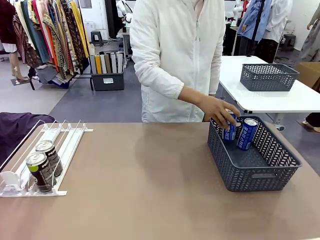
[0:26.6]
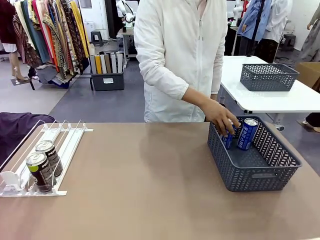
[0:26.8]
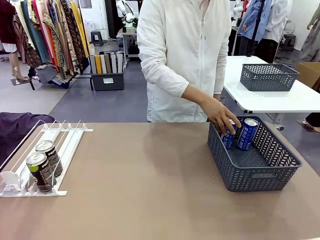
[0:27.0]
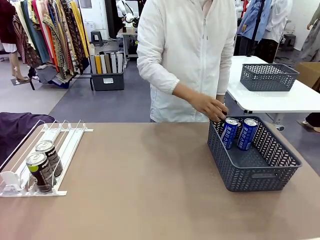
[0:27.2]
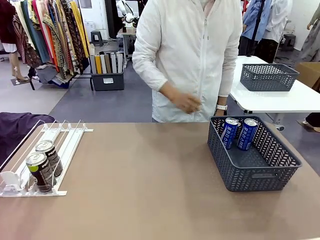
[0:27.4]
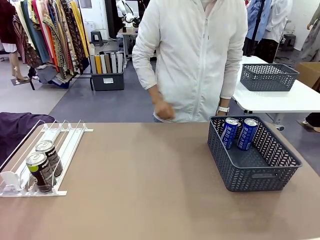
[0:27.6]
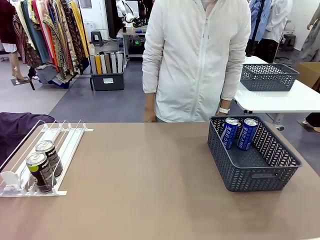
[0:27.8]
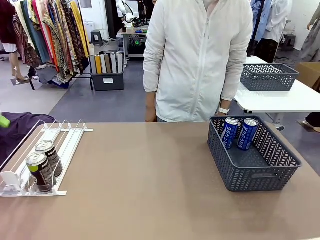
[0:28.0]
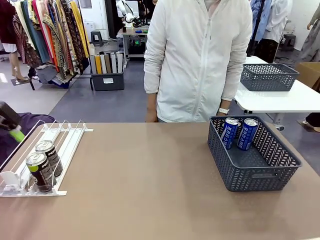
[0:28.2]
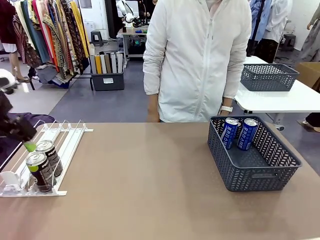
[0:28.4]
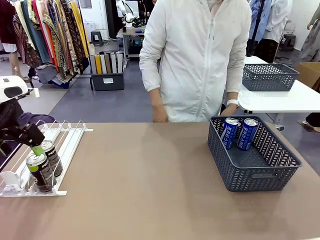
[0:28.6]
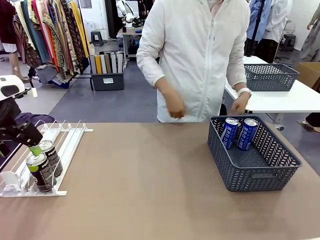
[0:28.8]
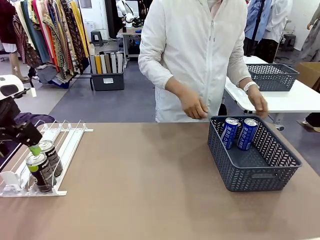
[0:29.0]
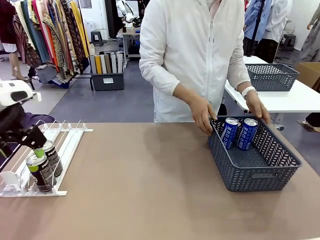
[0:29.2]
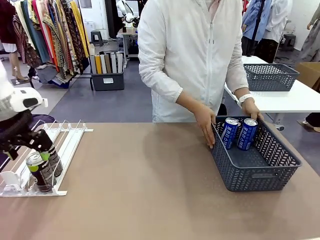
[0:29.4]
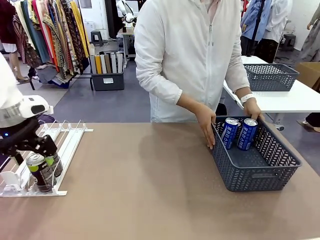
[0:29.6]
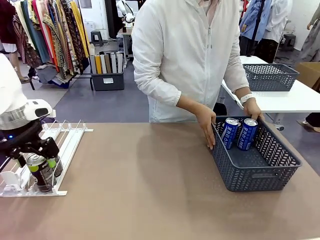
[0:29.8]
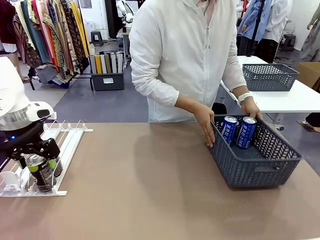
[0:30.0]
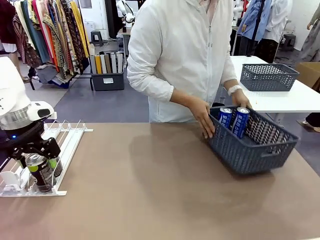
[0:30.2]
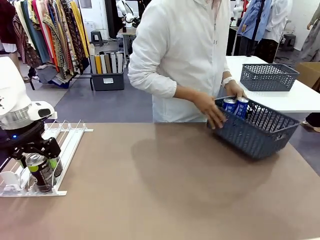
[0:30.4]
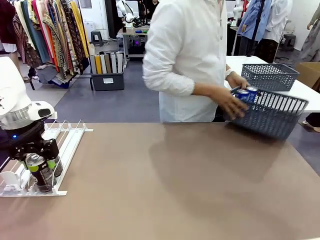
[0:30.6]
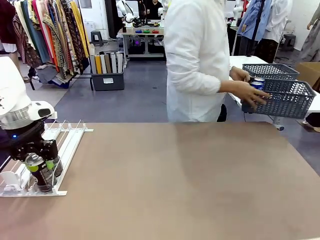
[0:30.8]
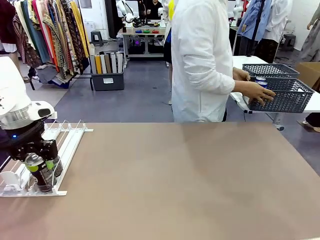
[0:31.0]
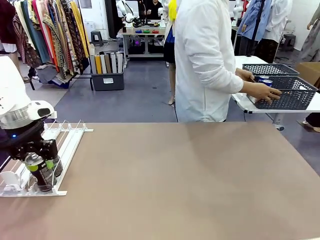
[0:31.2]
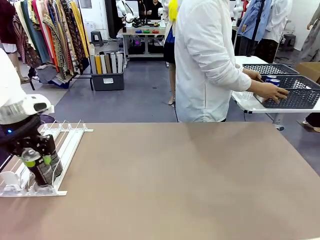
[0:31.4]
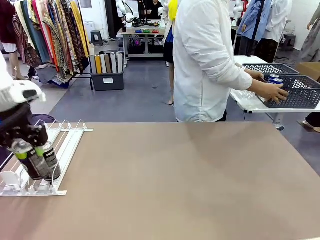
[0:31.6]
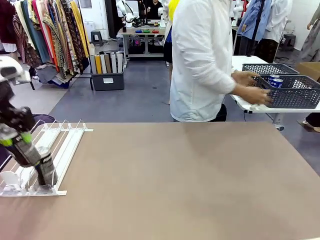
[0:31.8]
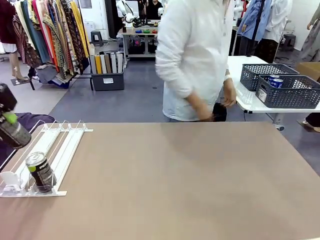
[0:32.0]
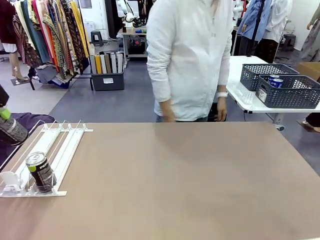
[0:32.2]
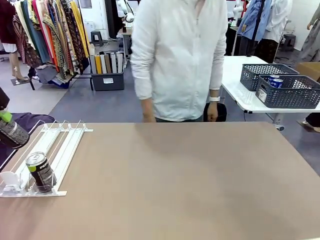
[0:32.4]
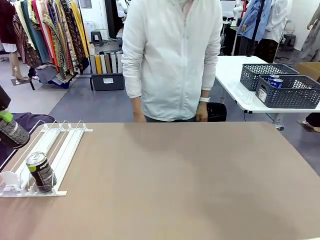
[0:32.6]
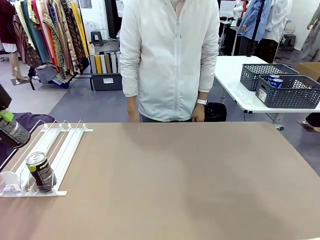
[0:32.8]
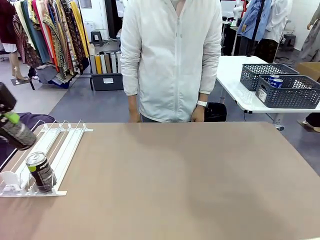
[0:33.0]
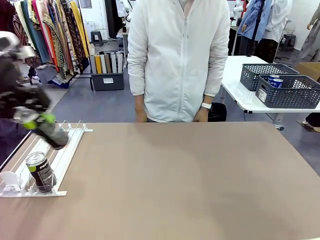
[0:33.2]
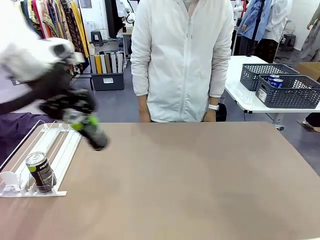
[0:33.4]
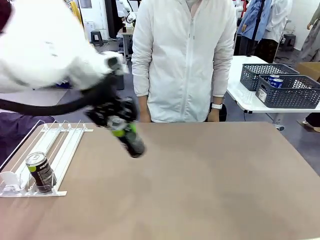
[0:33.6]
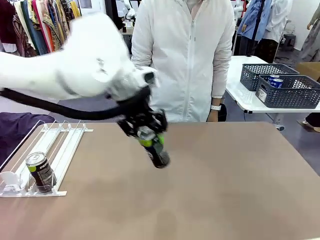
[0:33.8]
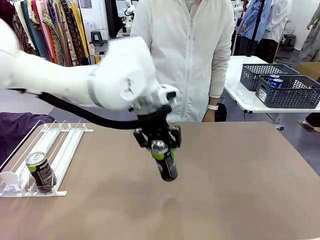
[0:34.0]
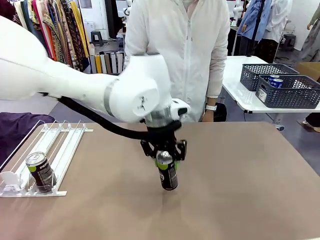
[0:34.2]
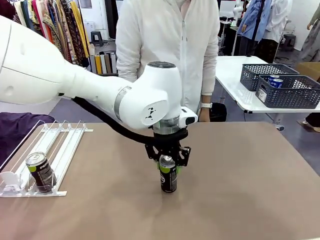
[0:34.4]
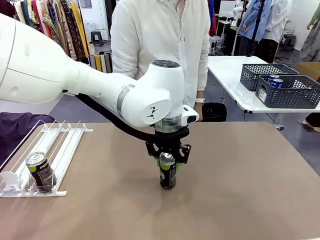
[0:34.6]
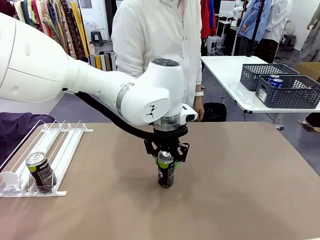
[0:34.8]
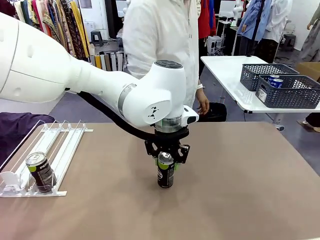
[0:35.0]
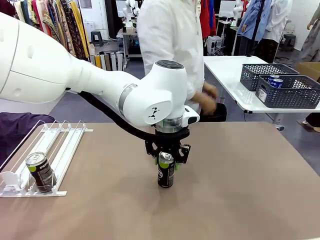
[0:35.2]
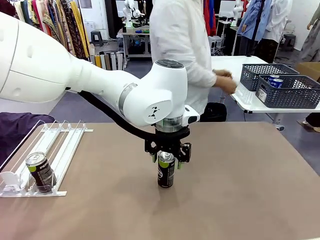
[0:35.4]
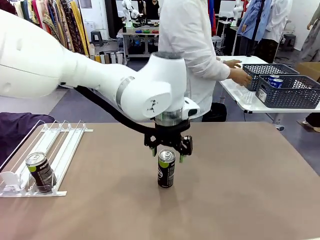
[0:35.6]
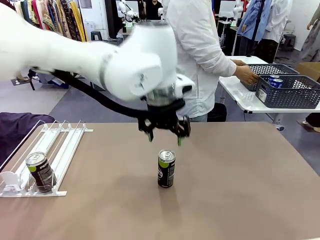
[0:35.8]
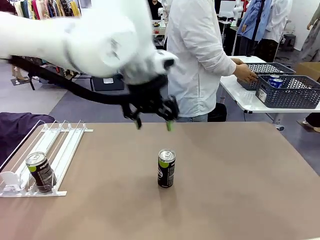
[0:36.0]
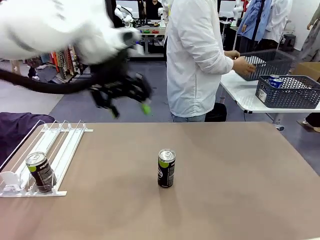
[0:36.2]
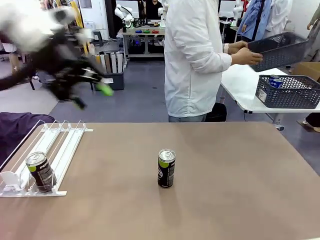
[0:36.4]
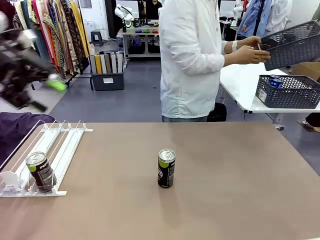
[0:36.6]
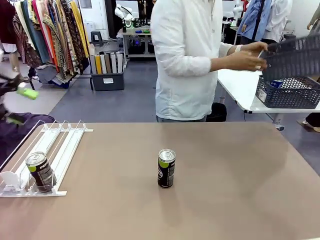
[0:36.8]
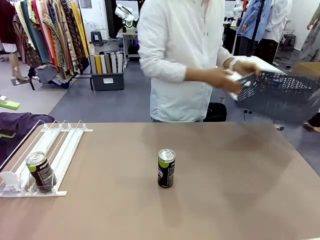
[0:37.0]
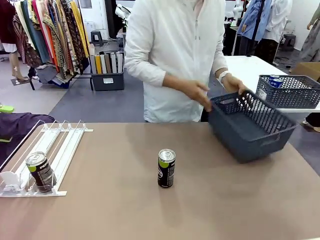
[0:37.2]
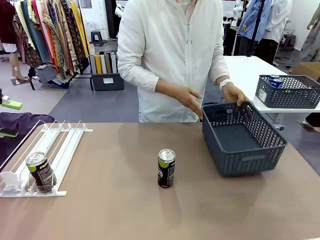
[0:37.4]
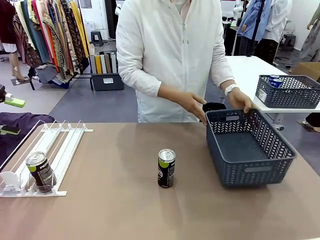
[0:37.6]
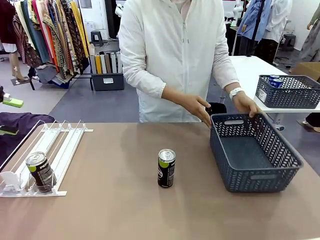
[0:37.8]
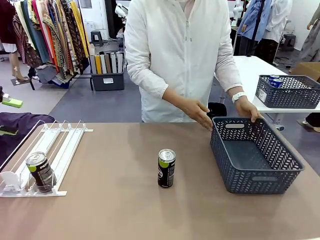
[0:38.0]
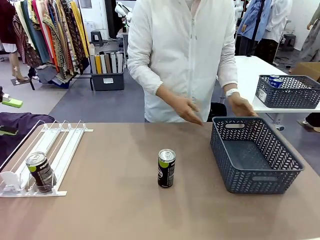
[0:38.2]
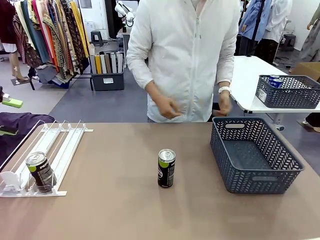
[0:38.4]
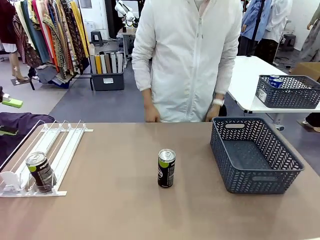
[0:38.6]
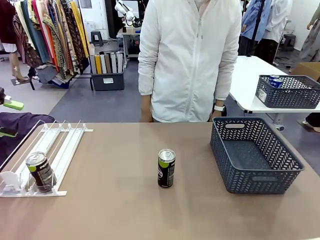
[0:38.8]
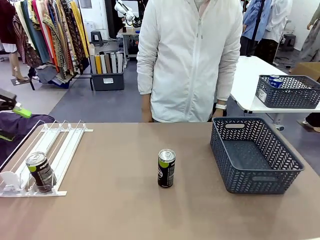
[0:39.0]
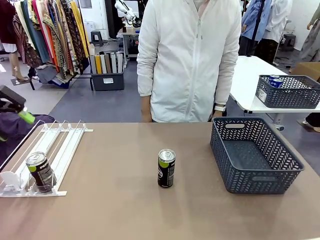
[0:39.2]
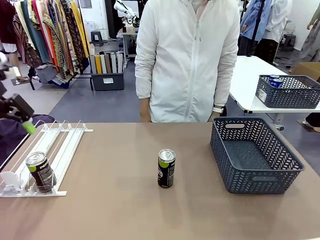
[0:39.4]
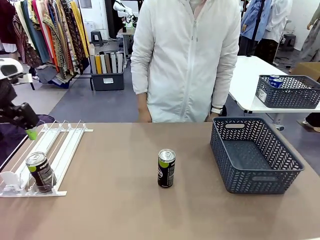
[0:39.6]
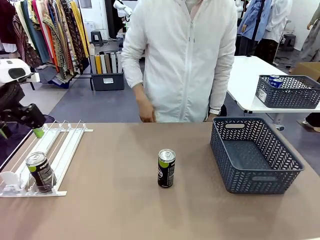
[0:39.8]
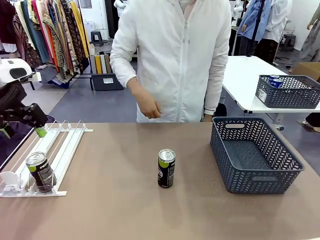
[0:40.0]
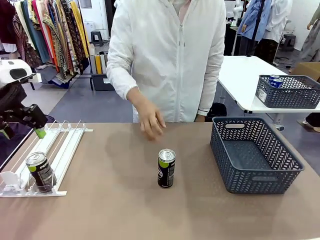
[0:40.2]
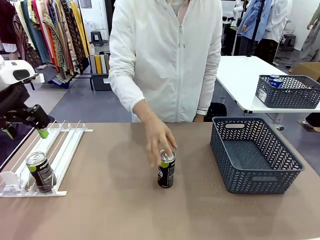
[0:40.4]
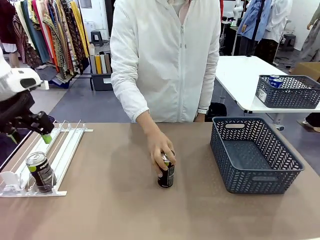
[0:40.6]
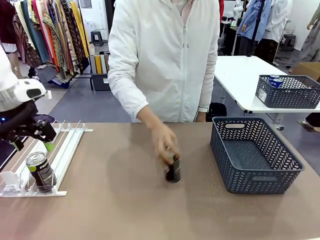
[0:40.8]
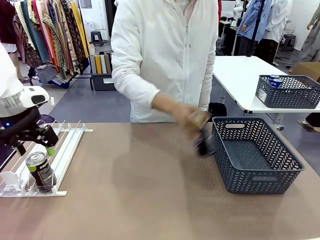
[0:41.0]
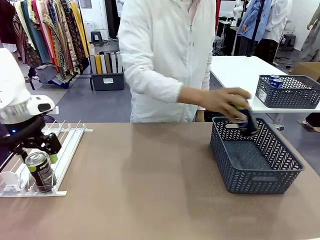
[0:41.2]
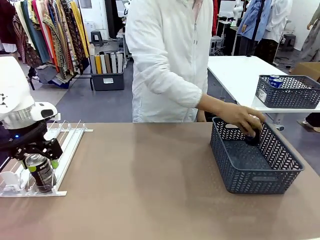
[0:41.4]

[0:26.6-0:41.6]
Task: Retrieve and store the cans from the dispenser.
Robot: Pick up one can from the Automatic Can Dispenser and place it in the middle of the table.
Person: Pick up the basket and place it in the middle of the human table. Pick up the empty basket and place it on the left side of the robot table.

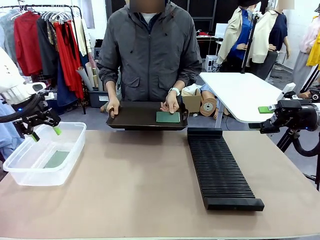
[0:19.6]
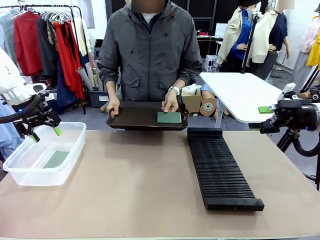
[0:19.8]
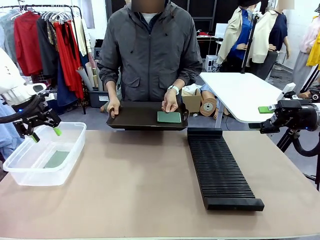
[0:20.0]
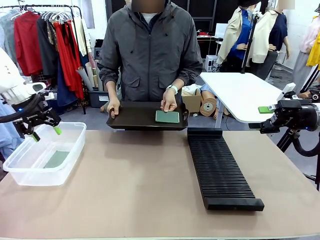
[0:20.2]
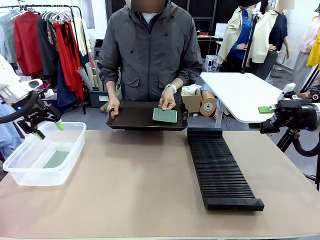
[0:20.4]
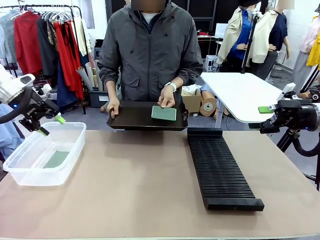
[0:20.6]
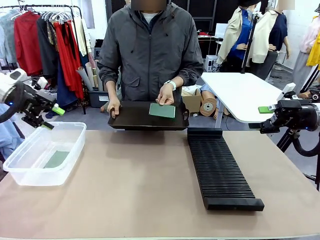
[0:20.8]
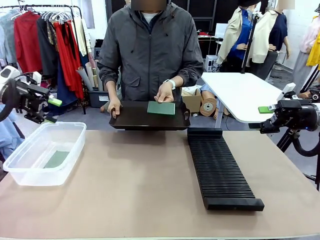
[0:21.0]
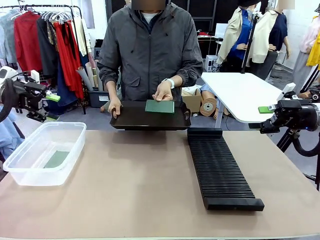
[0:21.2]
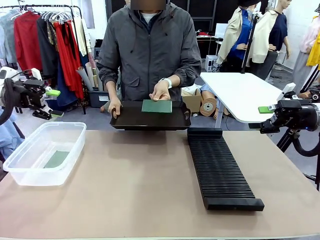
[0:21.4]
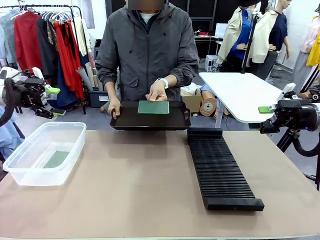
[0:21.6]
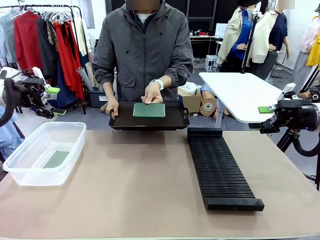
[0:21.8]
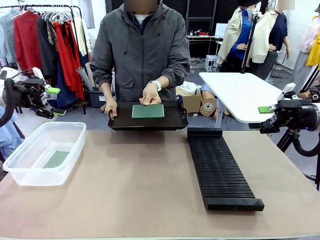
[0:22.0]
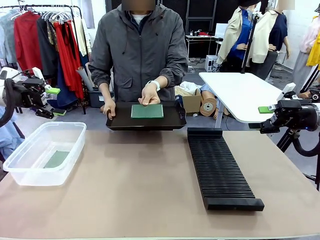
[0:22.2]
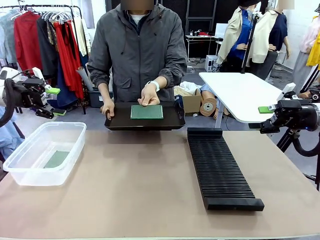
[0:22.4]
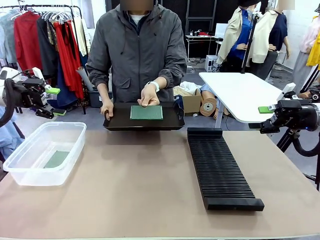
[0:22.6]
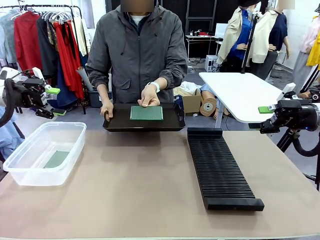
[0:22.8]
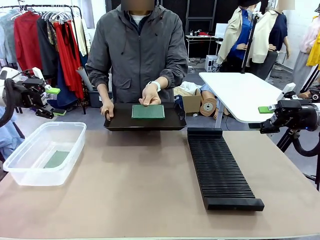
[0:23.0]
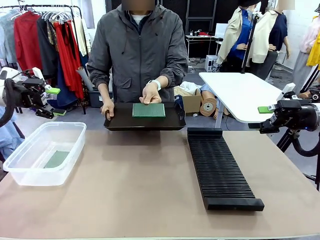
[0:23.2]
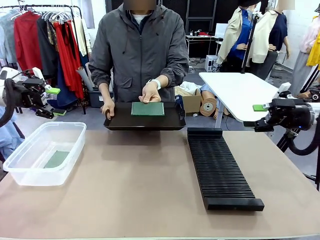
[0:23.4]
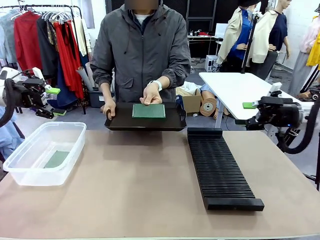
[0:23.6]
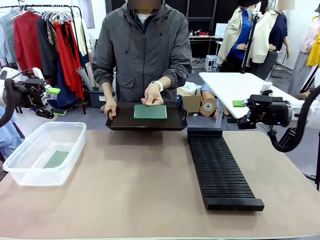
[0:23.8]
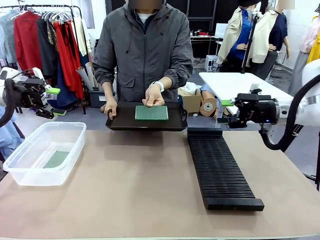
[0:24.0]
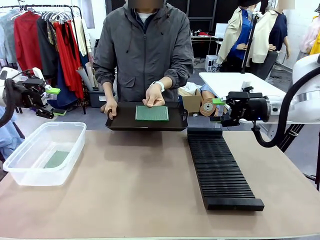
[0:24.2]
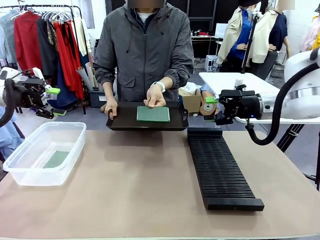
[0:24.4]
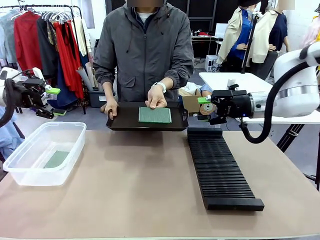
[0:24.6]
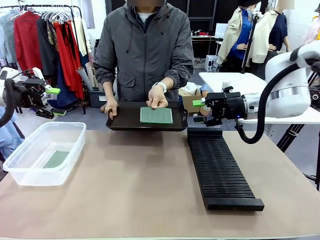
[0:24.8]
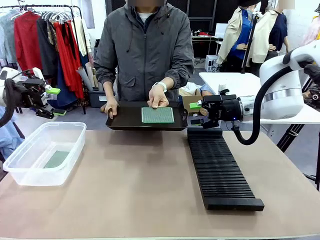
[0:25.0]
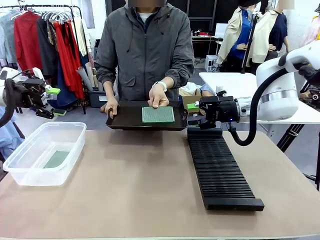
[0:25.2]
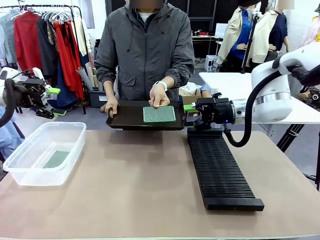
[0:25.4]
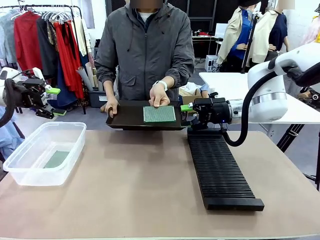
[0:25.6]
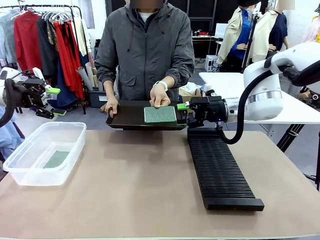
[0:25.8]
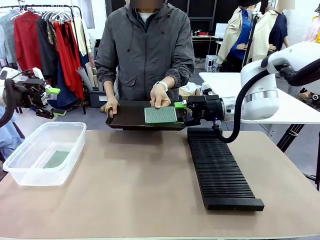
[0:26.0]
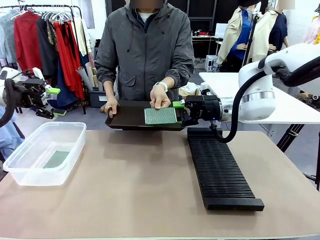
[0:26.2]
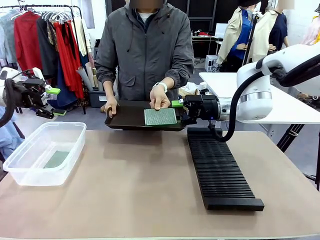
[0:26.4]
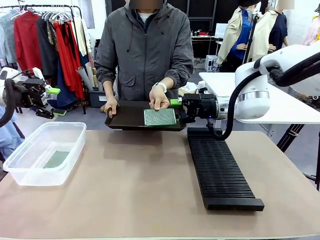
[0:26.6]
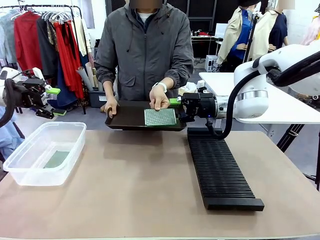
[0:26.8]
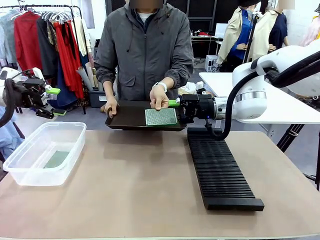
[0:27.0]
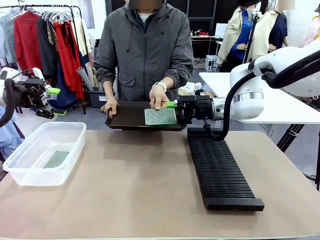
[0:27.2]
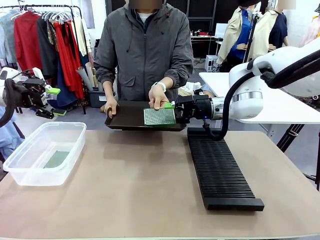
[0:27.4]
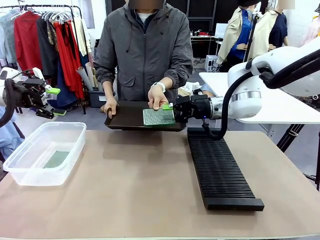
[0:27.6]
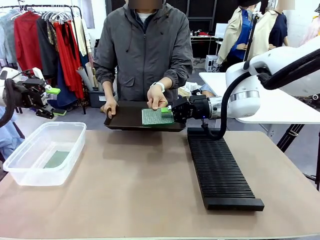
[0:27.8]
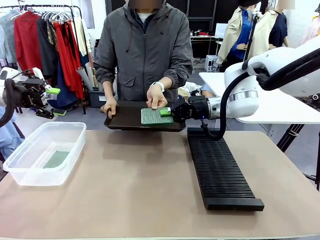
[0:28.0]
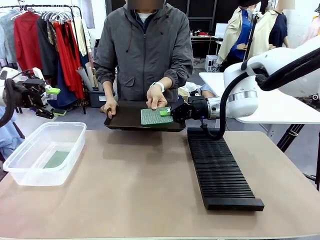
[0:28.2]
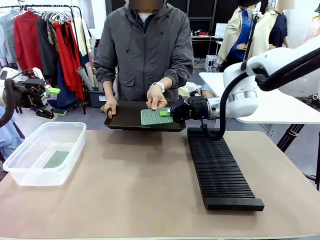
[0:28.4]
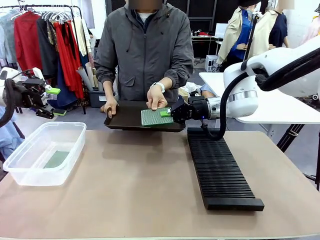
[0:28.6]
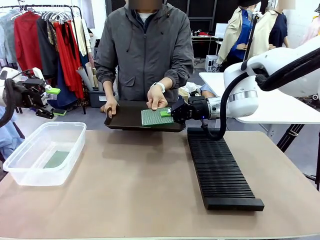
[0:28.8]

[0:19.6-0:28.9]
Task: Sort PCBs into racks and boxes based on the side picked up.
Robot: Pick up the Blank PCB handed by the Human.
